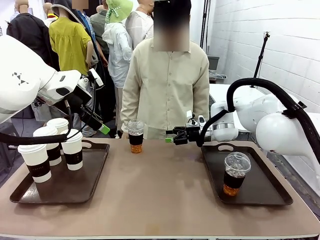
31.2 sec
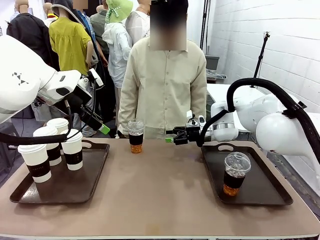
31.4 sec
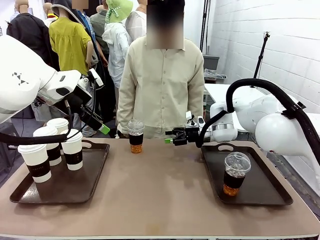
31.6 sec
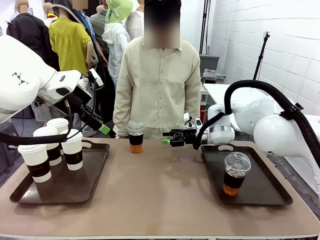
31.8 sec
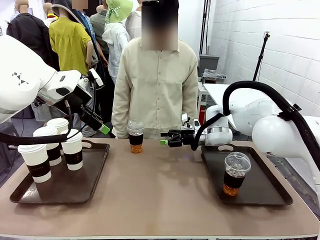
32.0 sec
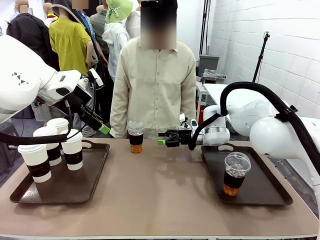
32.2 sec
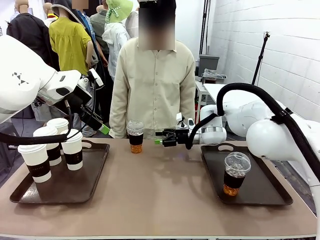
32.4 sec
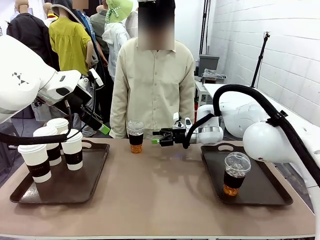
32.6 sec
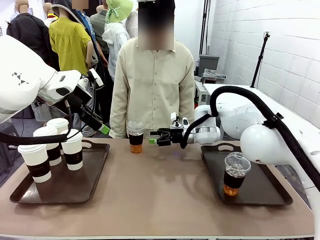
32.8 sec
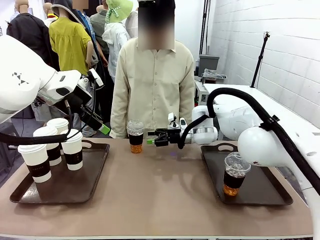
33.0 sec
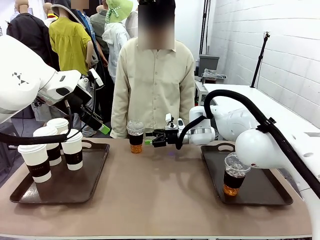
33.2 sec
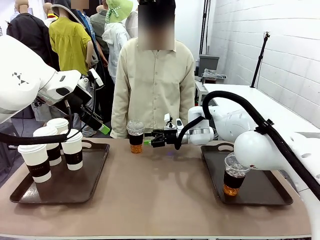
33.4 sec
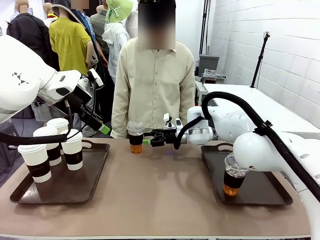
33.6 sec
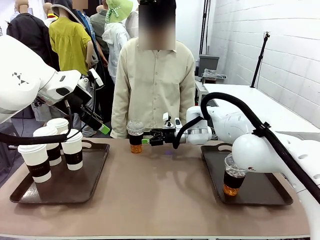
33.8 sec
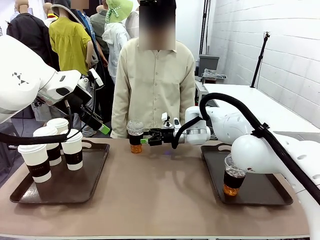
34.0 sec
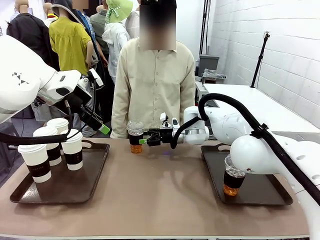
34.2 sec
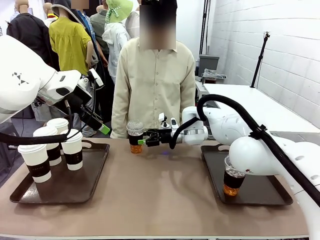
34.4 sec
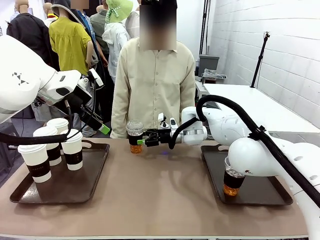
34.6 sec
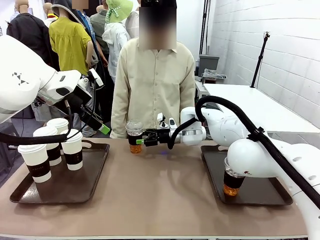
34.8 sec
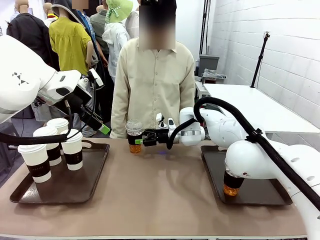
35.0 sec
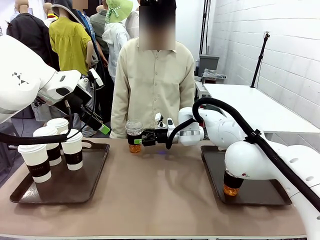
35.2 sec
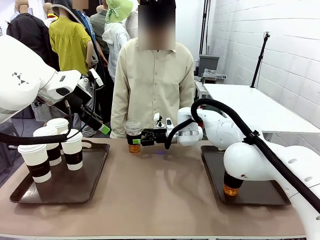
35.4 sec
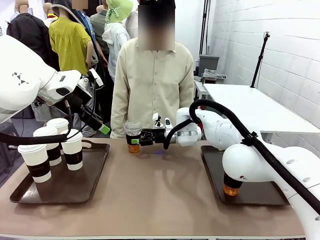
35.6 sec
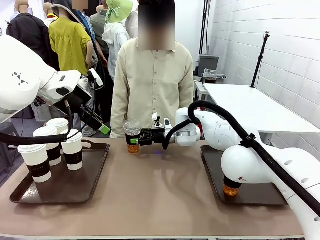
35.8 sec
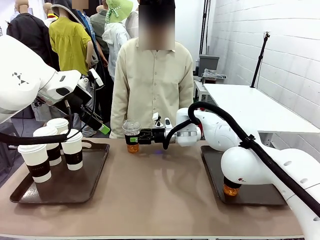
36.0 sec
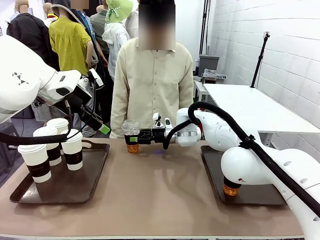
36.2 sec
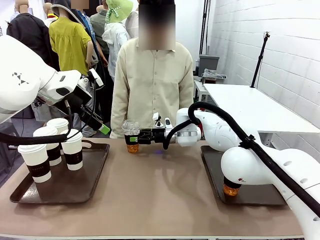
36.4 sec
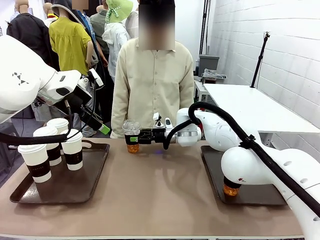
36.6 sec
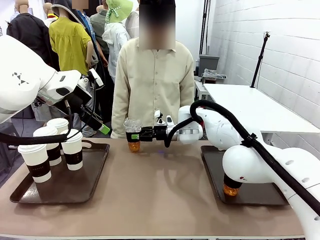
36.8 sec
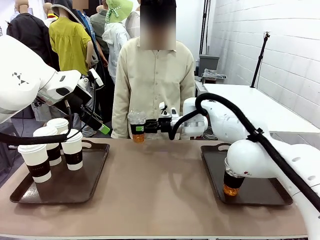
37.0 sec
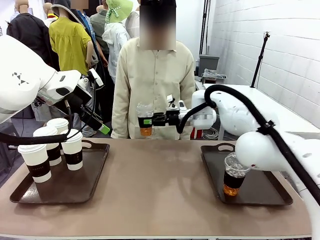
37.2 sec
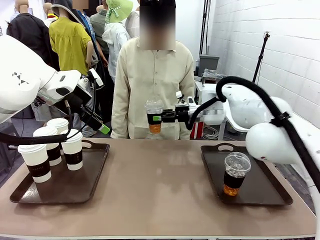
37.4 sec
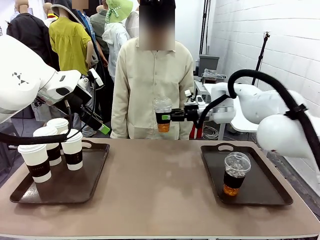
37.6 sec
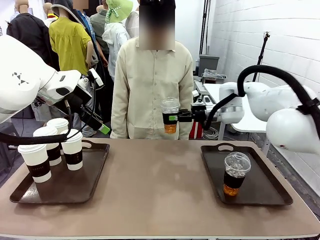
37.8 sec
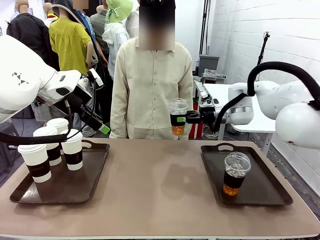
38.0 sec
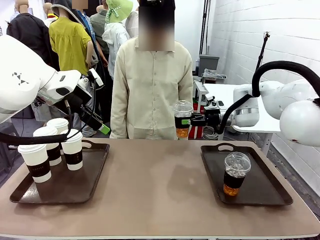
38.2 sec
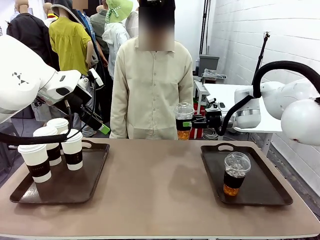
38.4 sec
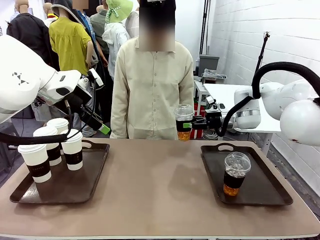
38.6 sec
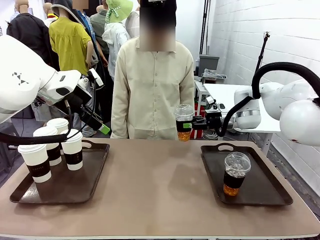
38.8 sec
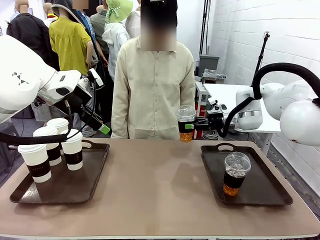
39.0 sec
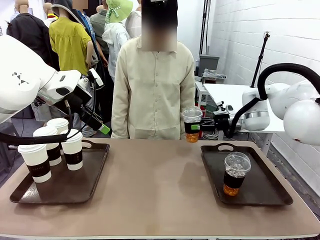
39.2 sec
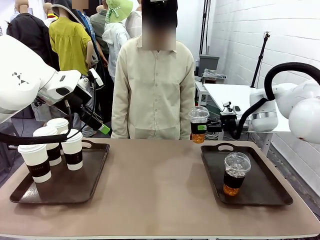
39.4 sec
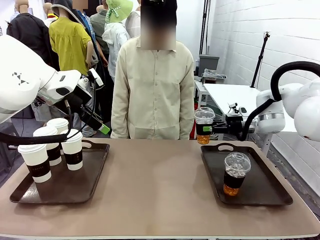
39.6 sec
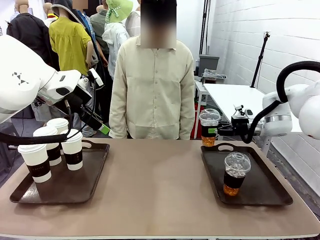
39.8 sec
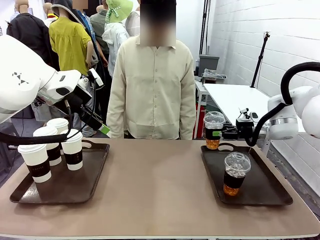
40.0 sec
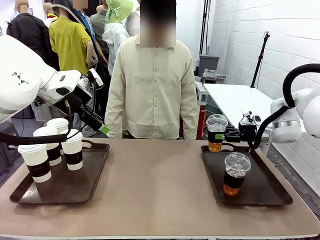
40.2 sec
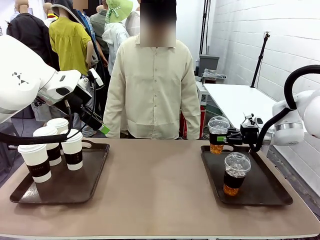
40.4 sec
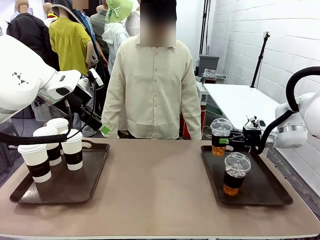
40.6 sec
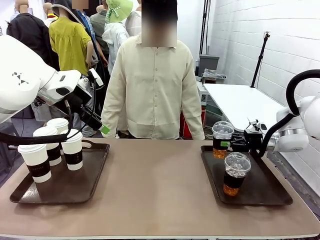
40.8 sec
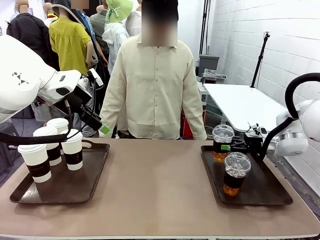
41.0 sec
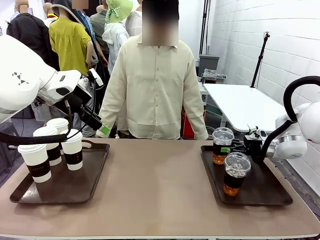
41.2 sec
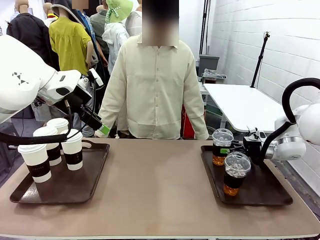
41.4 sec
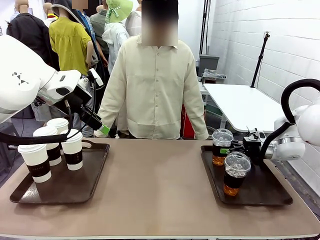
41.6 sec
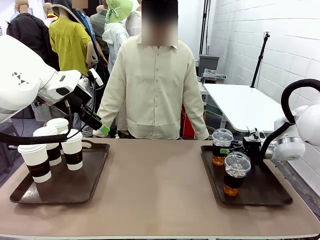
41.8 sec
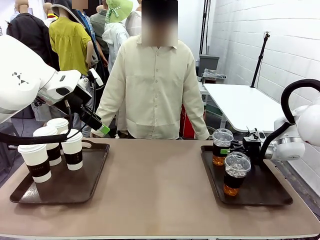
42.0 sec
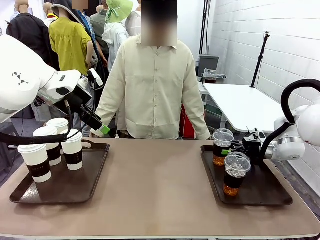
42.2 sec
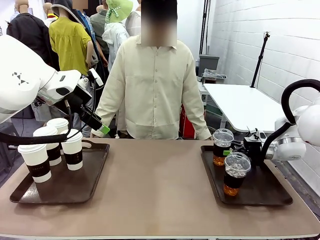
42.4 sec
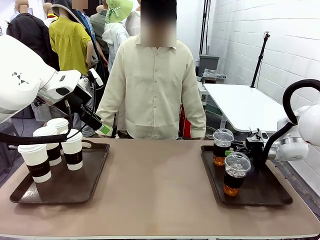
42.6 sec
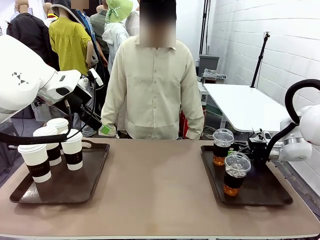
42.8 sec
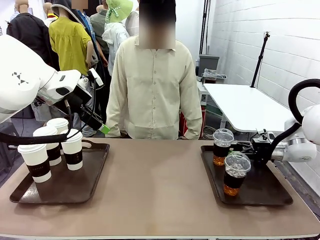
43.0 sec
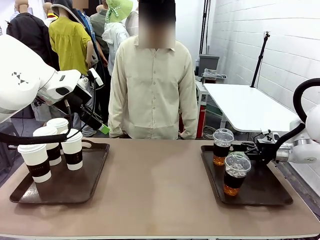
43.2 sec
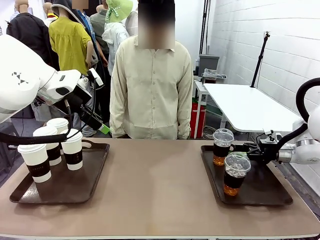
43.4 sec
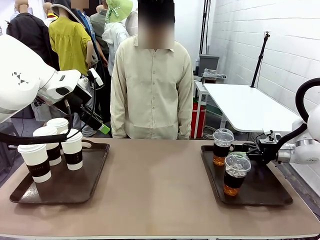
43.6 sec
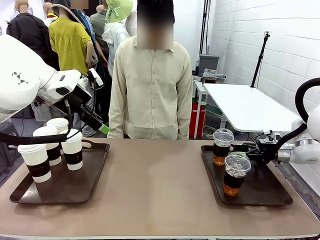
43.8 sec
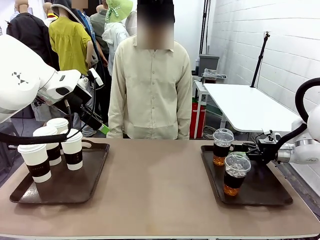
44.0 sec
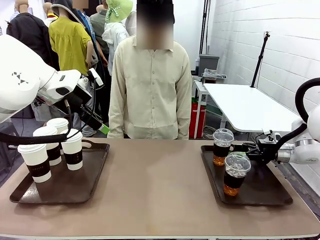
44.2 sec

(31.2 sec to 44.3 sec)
Task: Distribute the coffee onto the tray.
Robot: Pick up another iced Americano from the middle of the table and place it on the right Handle tray.
